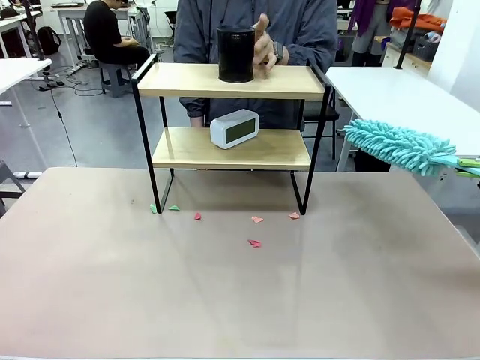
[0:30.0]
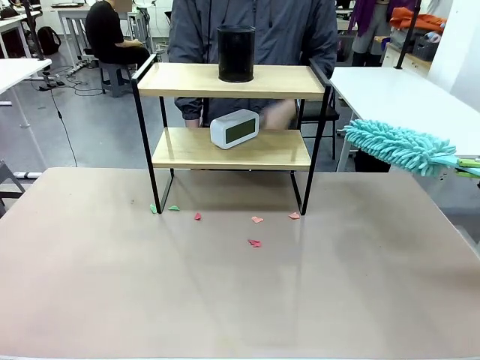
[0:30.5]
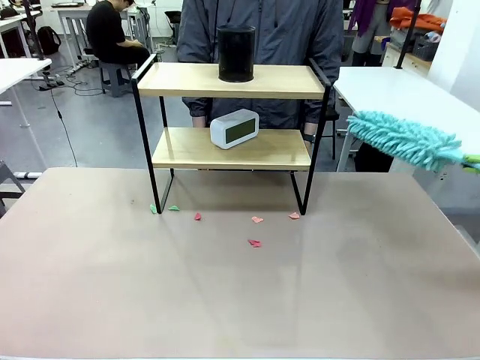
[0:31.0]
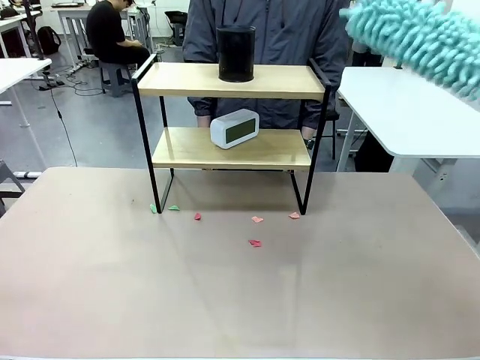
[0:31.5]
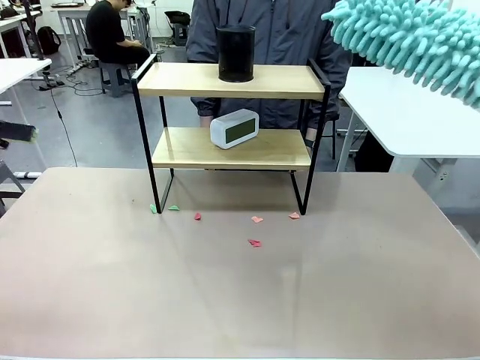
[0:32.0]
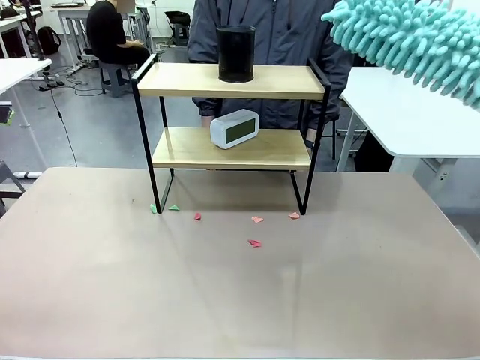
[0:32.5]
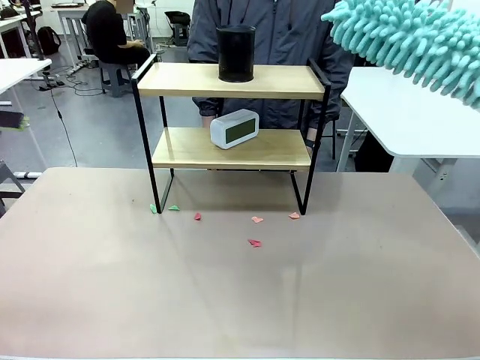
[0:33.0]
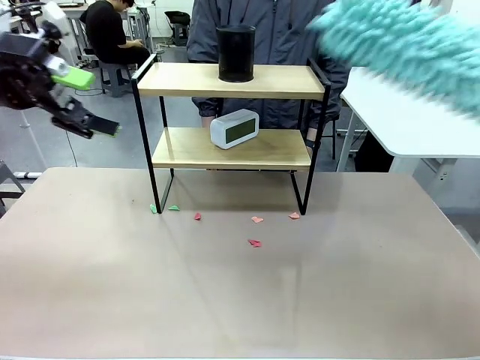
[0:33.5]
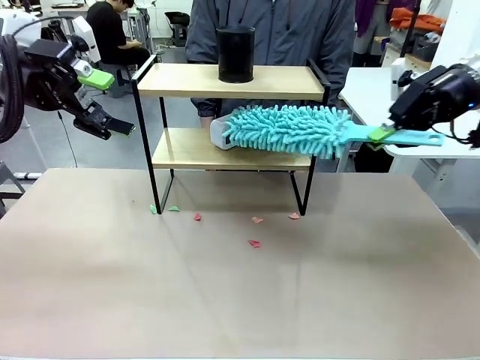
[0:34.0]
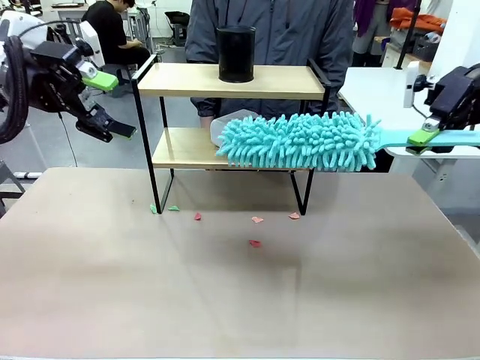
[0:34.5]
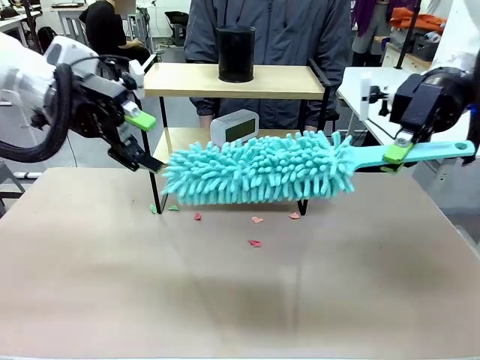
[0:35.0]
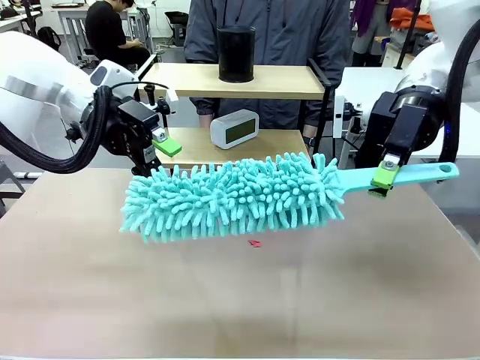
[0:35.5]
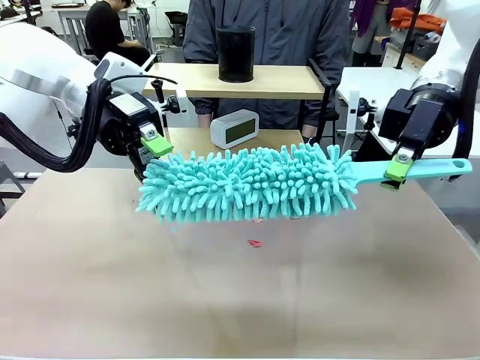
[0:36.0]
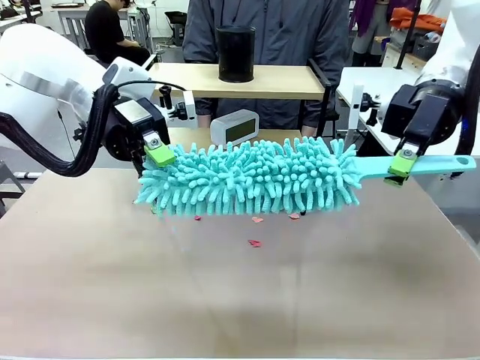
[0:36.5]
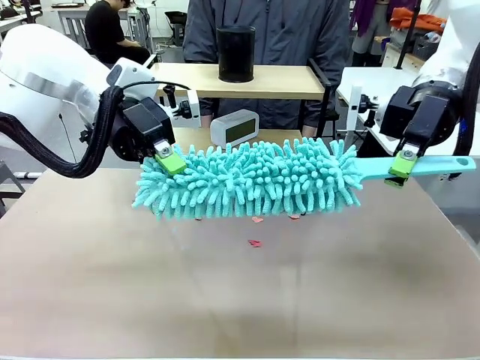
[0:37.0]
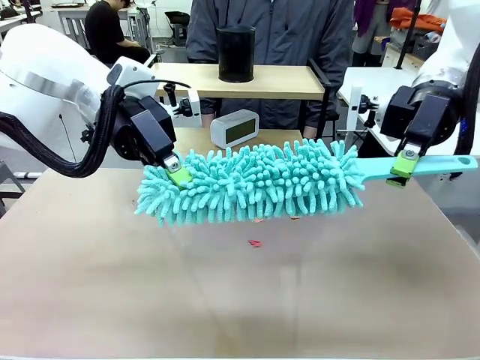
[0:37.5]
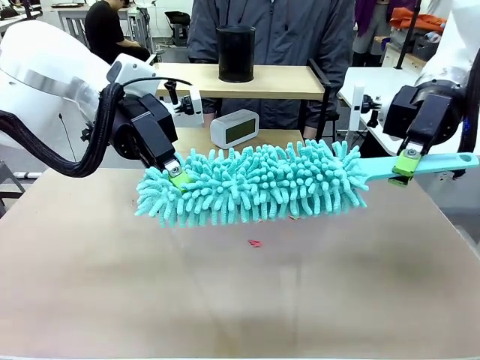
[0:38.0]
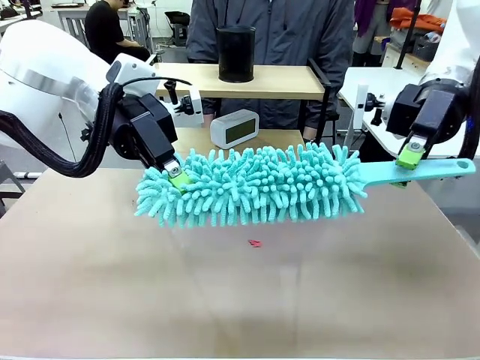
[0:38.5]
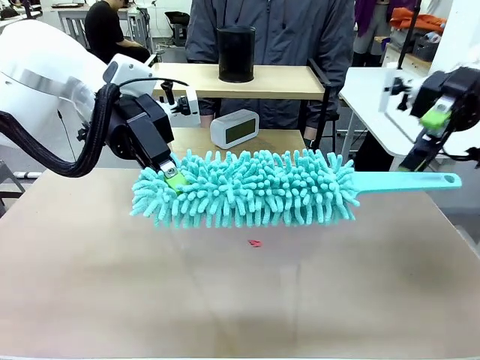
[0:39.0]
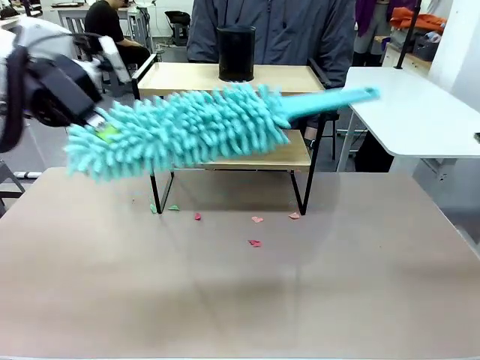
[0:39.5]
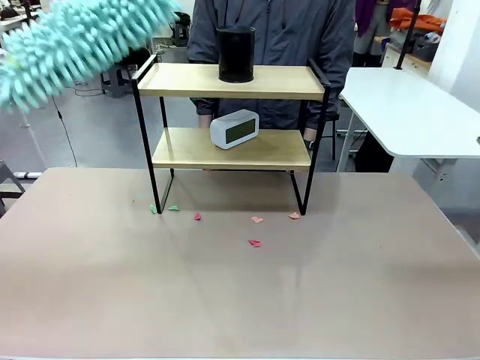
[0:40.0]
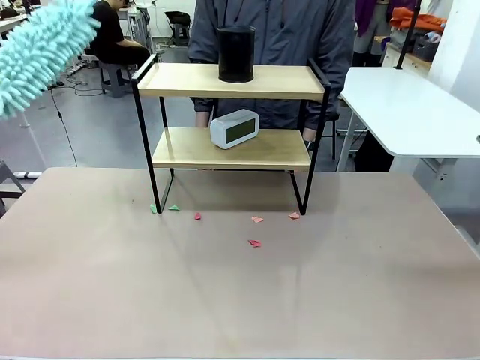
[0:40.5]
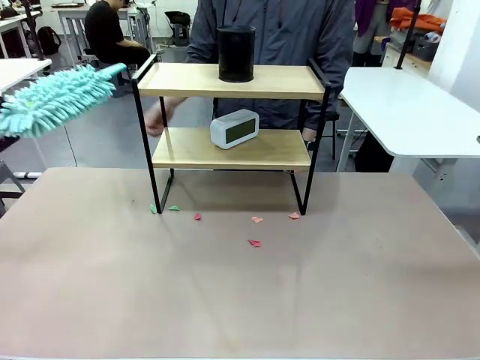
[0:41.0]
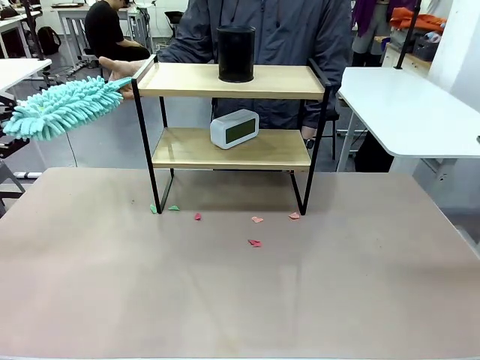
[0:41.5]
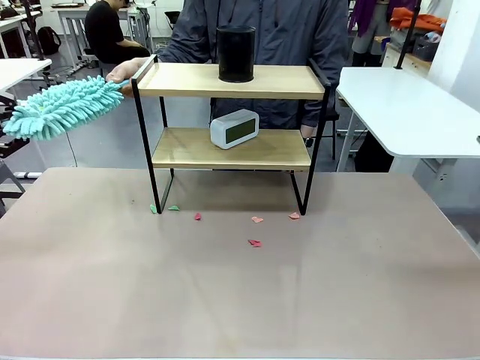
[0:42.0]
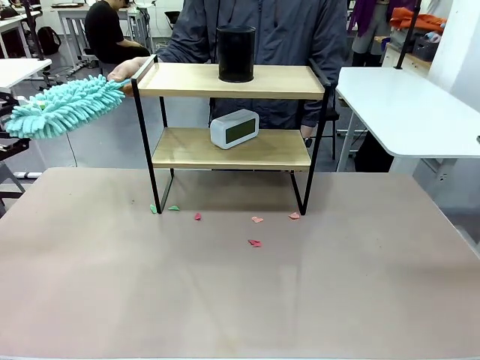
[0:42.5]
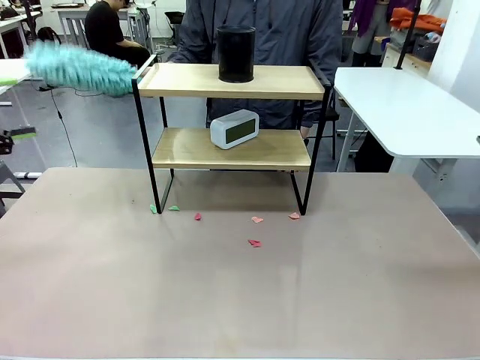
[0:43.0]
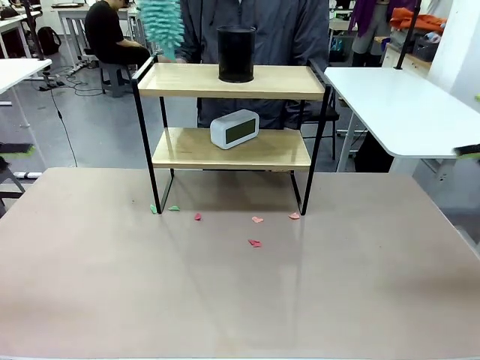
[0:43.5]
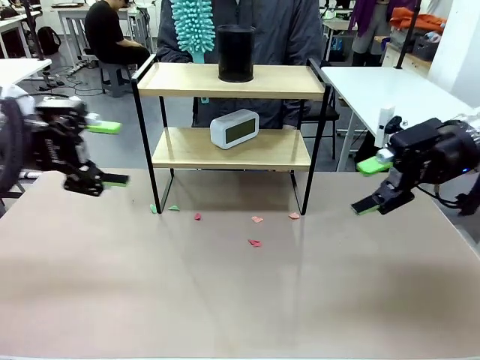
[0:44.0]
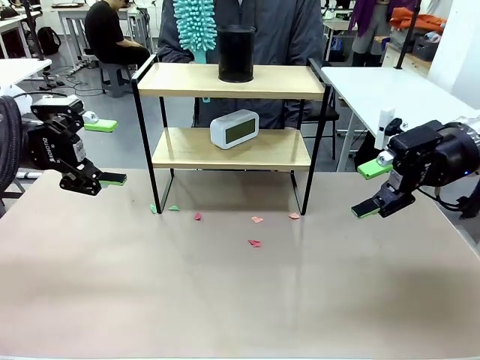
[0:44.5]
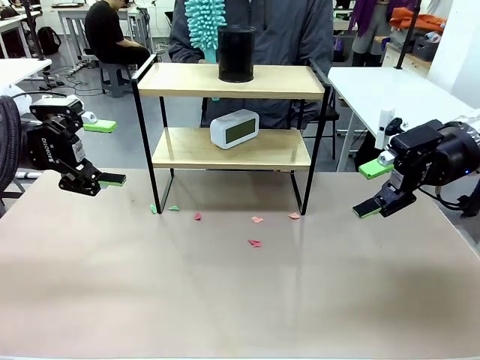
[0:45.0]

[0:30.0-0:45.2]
Task: Clean the shelf.
Robot: Hand the Duster back to the human.
Person: Receive the Duster from the robot.

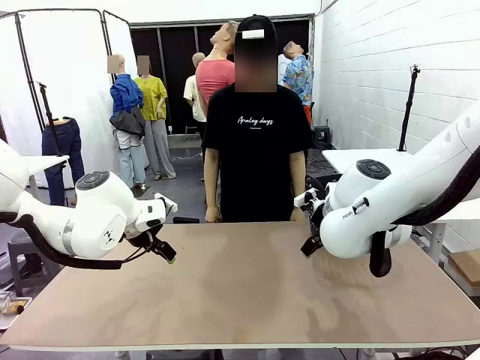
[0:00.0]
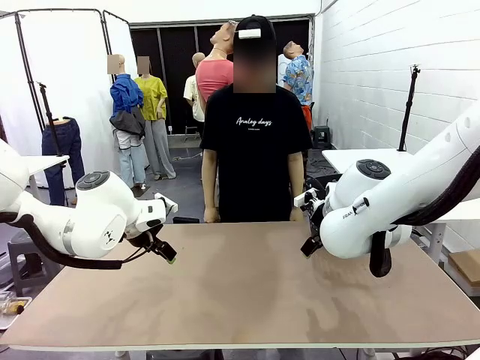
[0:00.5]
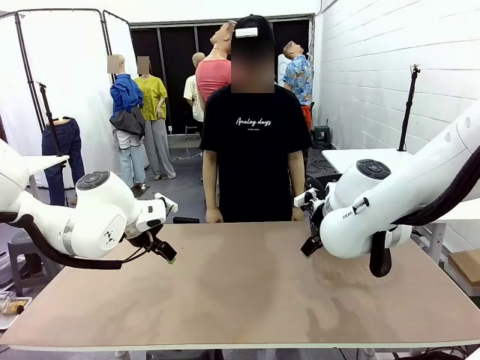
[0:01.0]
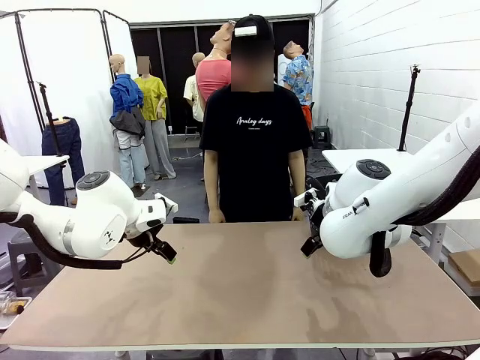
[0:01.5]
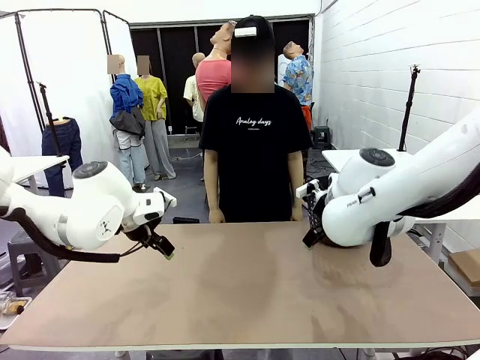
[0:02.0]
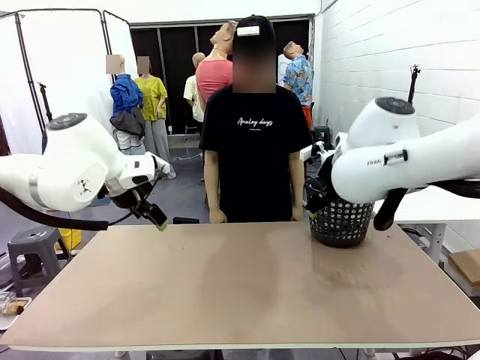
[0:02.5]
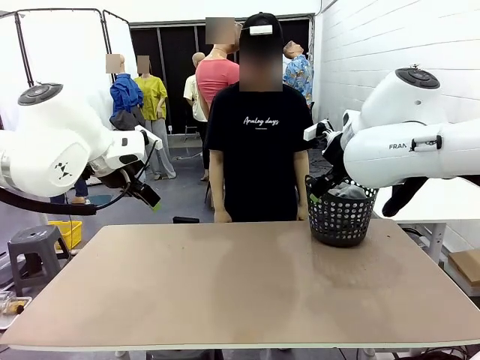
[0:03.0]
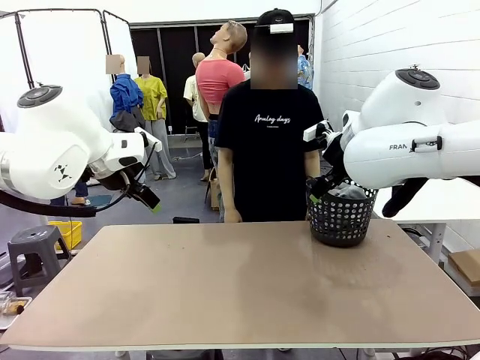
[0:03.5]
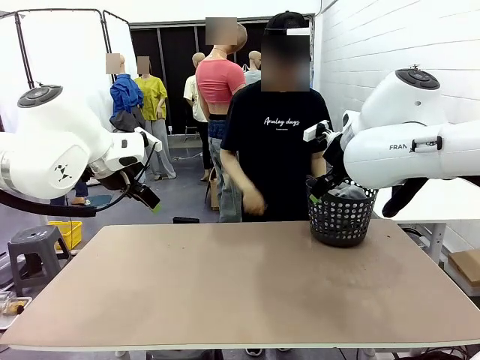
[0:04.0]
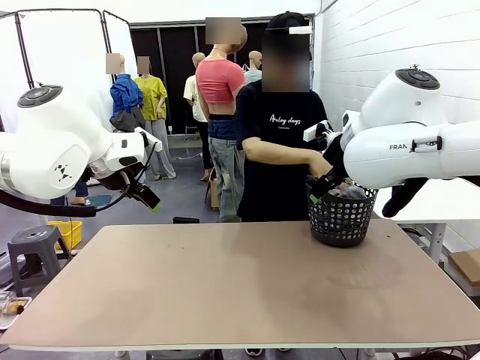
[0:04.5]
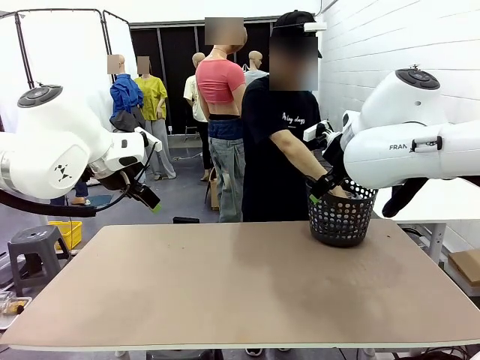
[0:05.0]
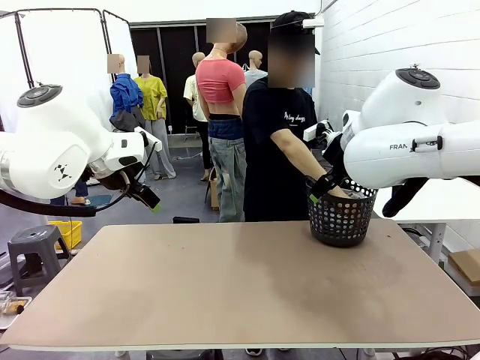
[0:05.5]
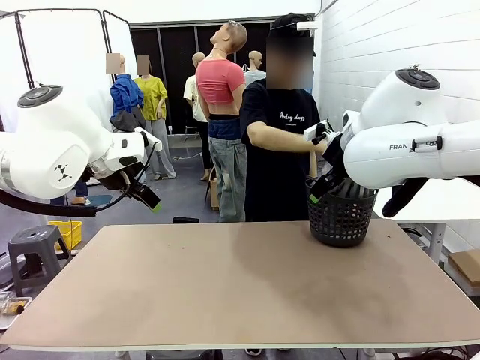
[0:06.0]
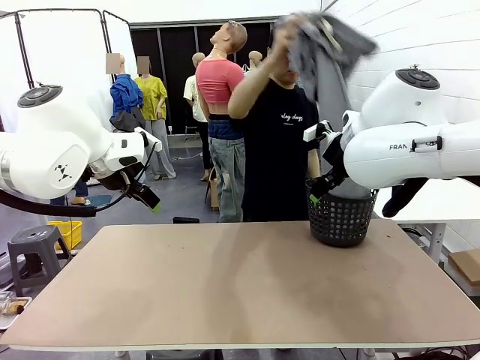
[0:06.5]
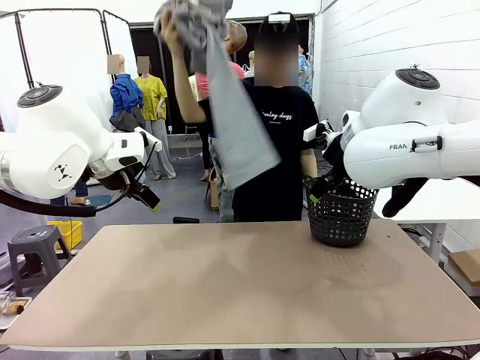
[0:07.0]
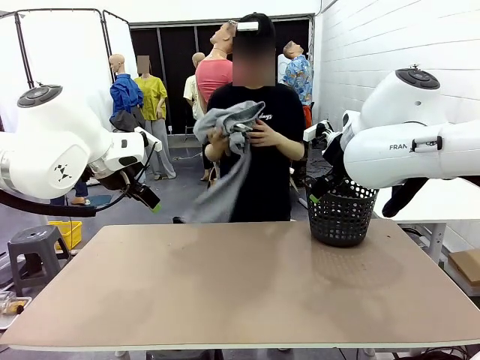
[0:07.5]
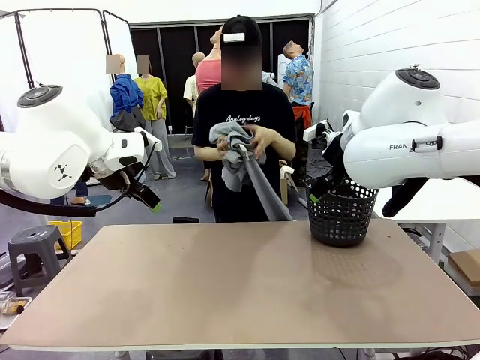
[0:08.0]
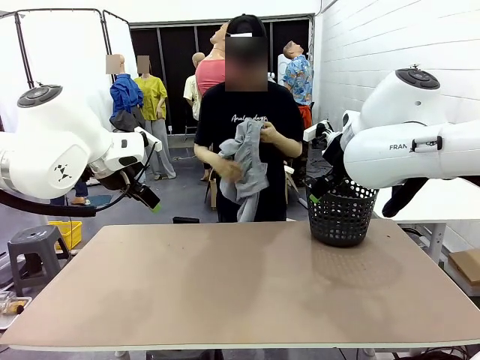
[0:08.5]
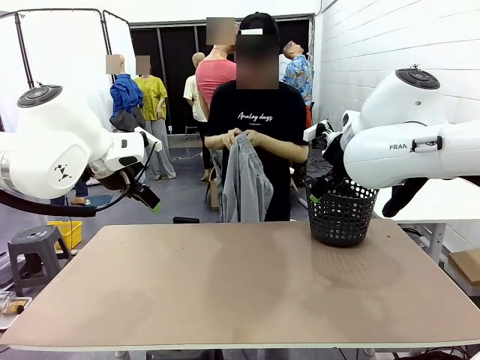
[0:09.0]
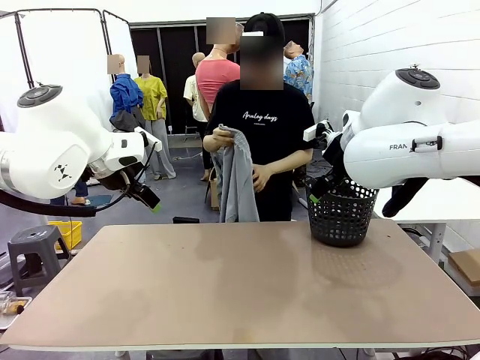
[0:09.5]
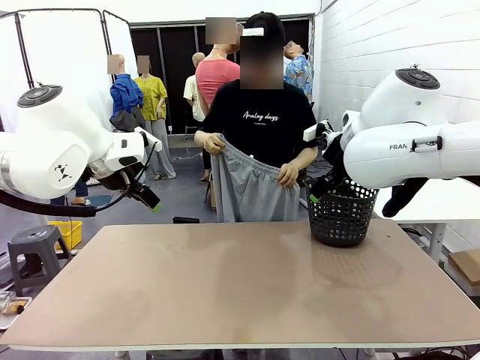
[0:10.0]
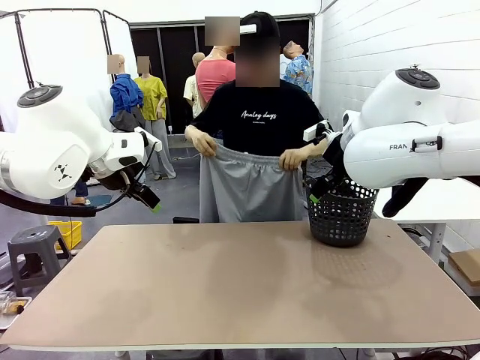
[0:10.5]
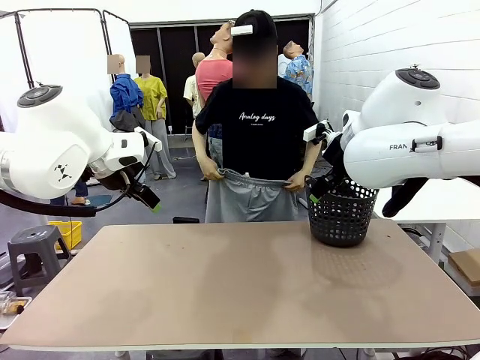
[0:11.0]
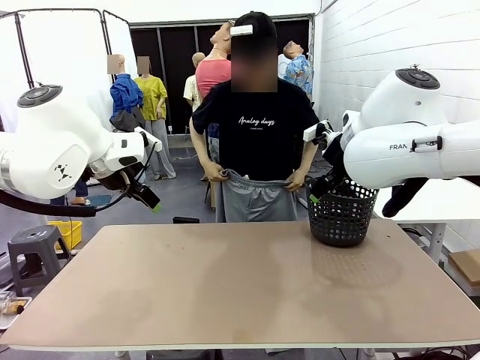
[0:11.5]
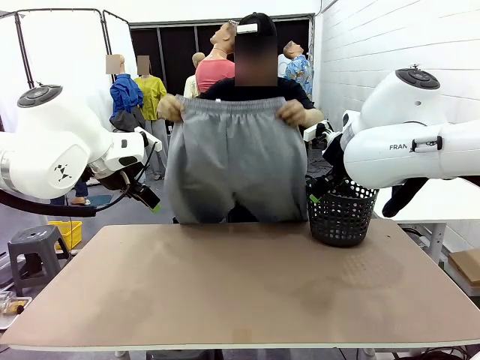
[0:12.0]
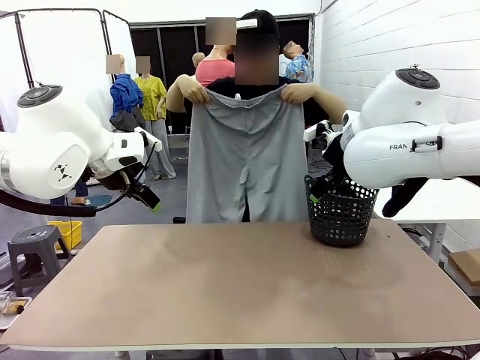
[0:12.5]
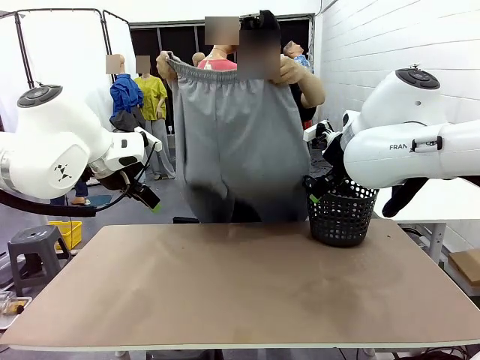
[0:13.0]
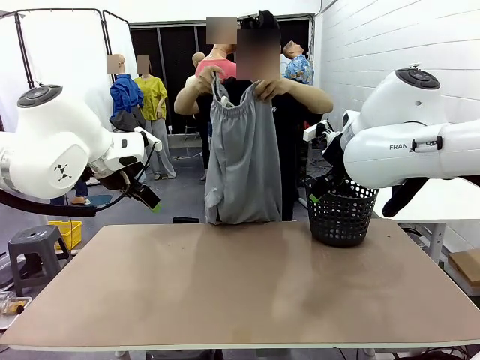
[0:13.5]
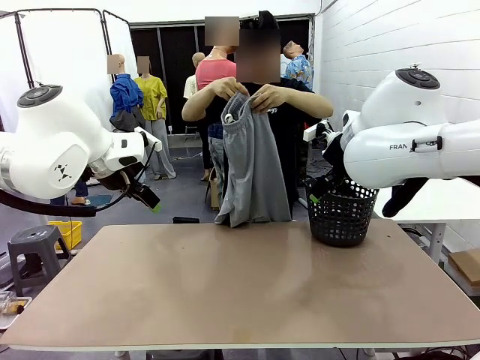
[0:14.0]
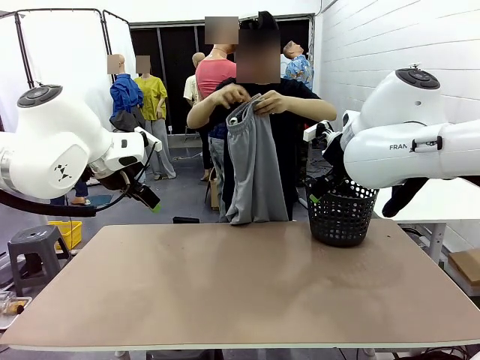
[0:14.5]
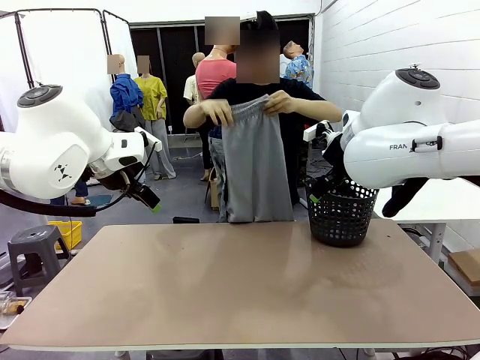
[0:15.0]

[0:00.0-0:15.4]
Task: Fold the training pants.
Robot: Grab both ends of the Training pants handed by a person.
Person: Take the long pants out of the laundry basket, unfold them, fold the waist in half, and extend them so the robot can pick up both corners.
